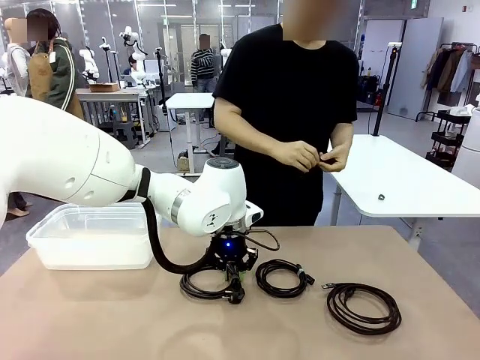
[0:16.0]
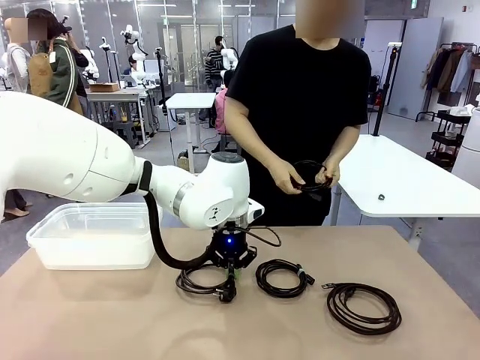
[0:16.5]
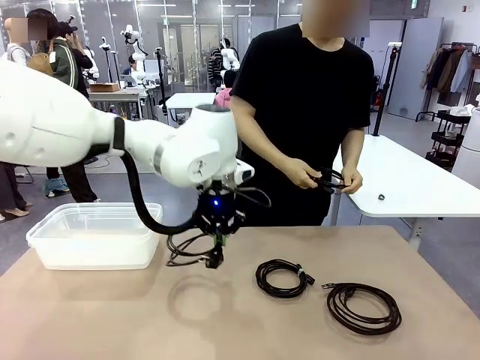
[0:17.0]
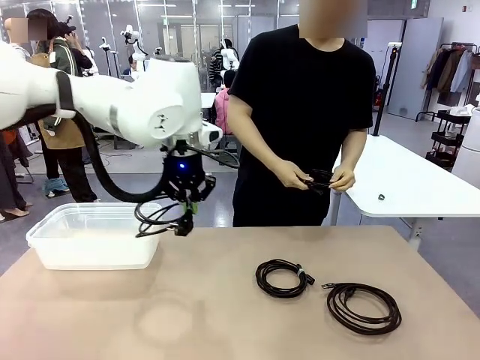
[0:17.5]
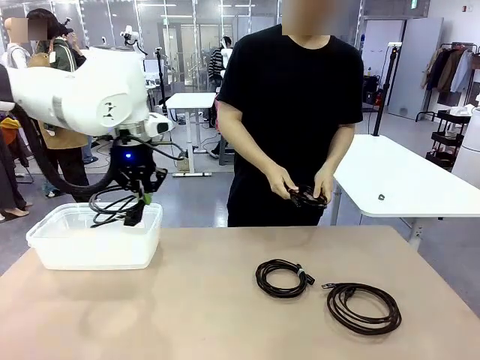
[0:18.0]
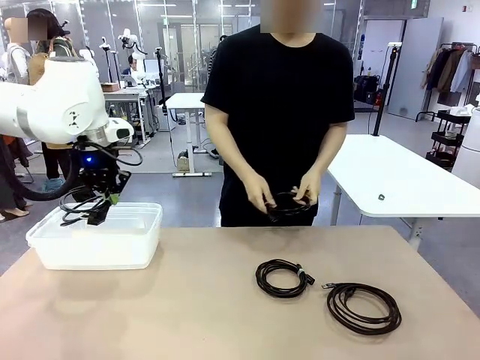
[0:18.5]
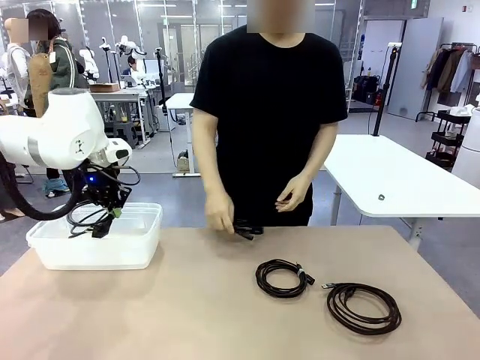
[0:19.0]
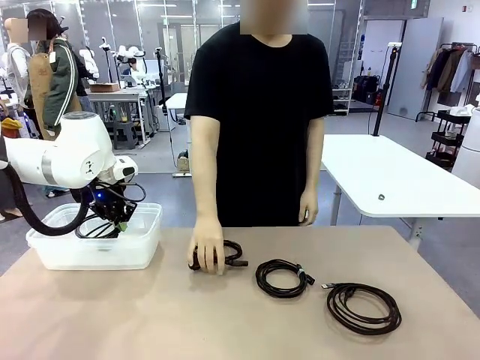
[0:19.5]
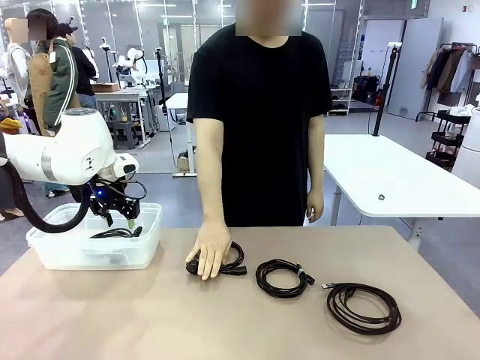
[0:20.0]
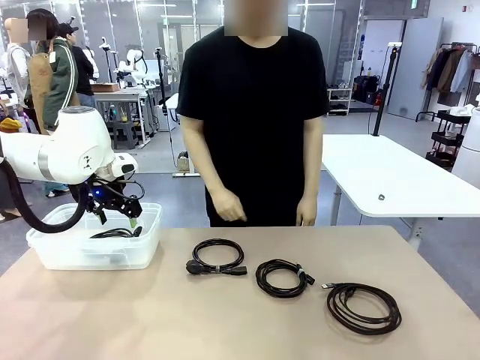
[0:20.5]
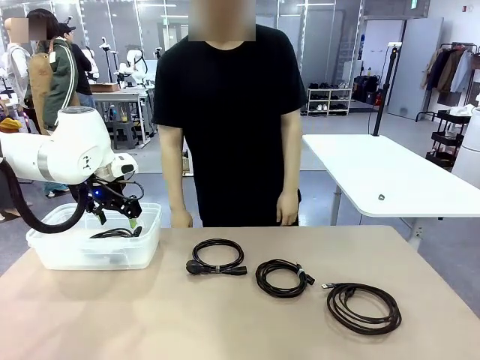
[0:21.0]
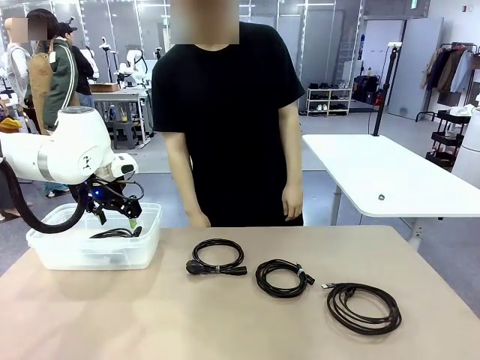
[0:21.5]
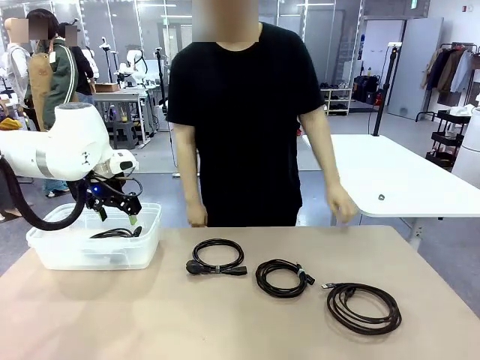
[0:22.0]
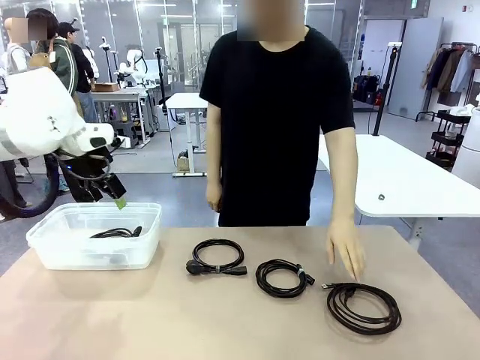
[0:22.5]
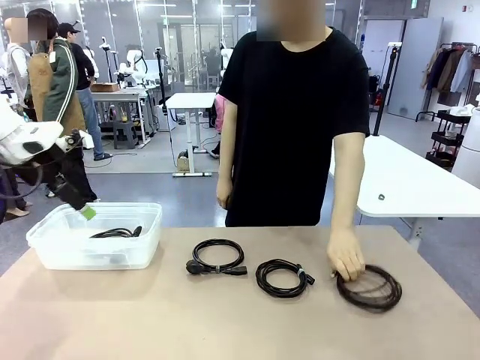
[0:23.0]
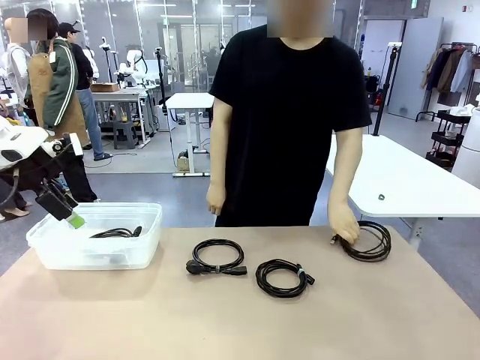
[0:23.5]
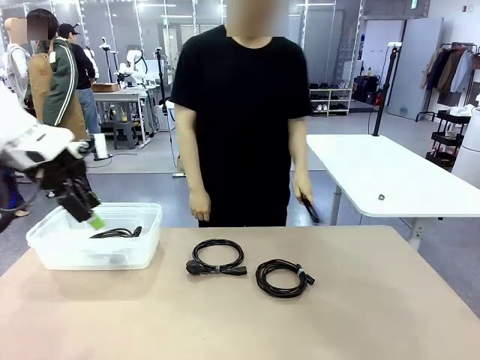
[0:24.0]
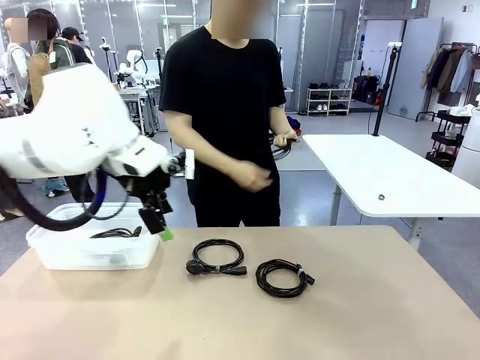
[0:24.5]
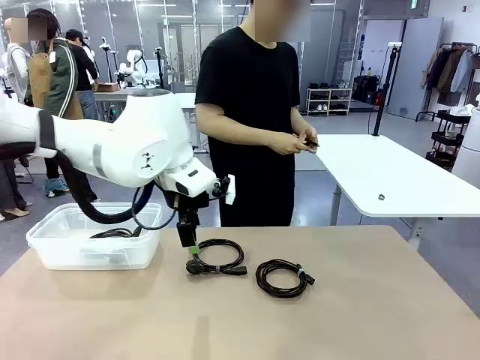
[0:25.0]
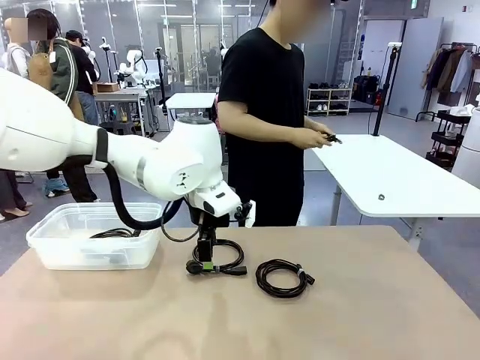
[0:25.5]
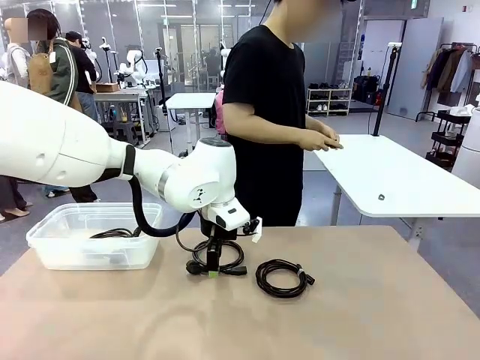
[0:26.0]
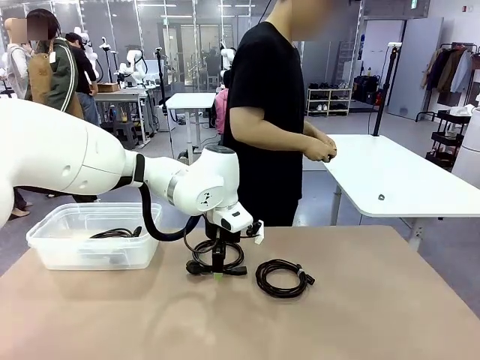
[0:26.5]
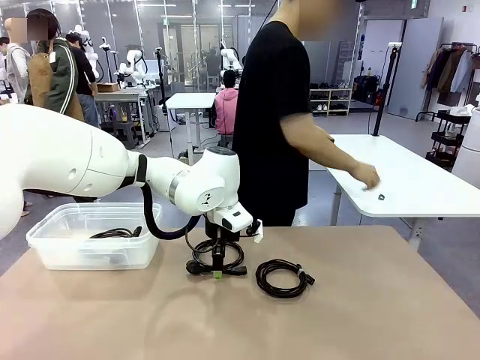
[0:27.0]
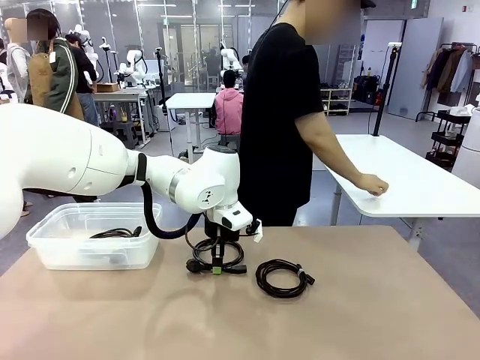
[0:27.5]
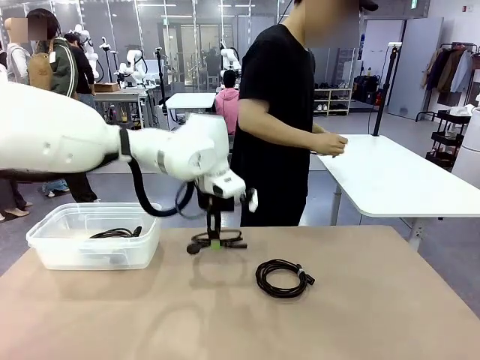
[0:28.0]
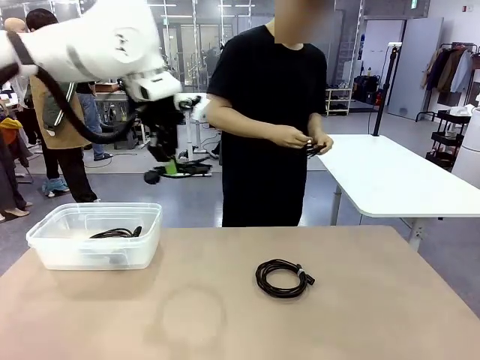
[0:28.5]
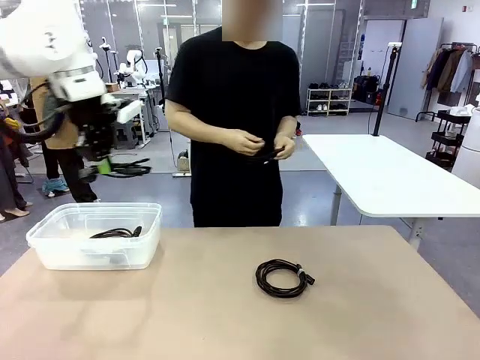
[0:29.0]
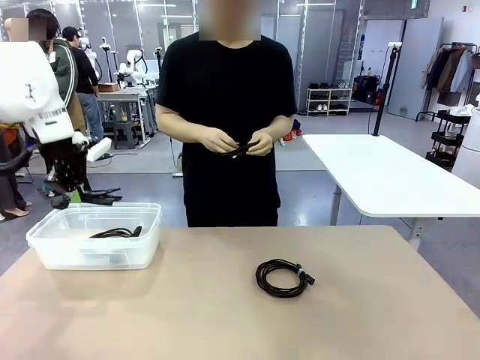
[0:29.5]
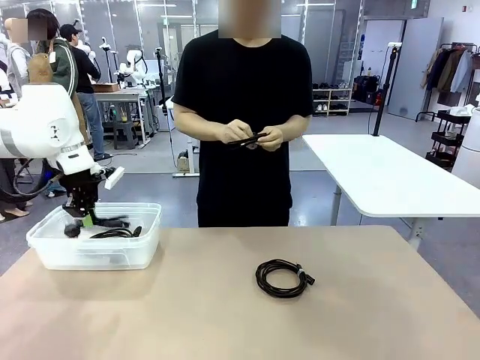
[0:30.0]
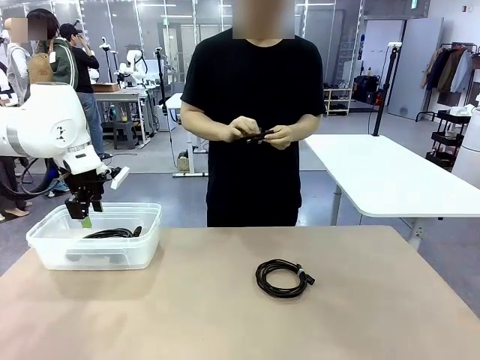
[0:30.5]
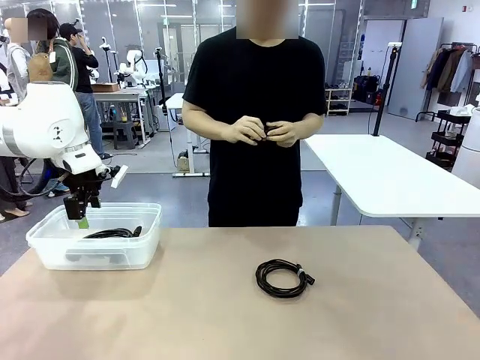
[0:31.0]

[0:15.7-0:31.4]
Task: Organize and store the cables.
Robot: Place the Power Cable into the Organizing box.
